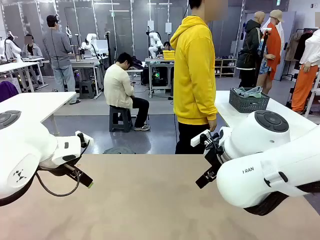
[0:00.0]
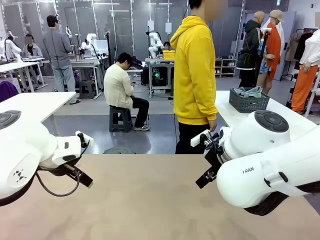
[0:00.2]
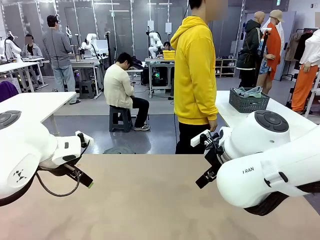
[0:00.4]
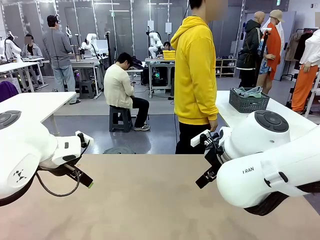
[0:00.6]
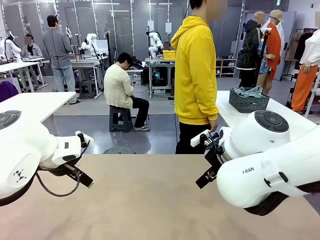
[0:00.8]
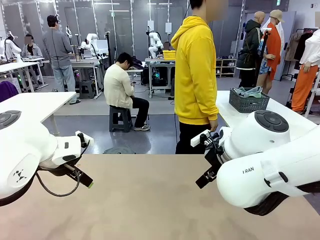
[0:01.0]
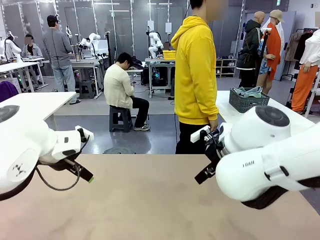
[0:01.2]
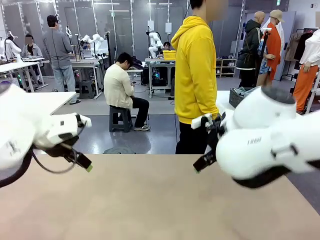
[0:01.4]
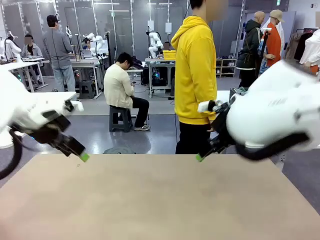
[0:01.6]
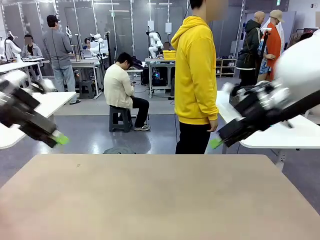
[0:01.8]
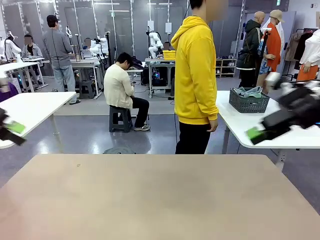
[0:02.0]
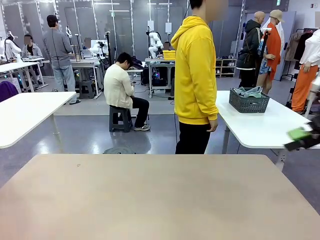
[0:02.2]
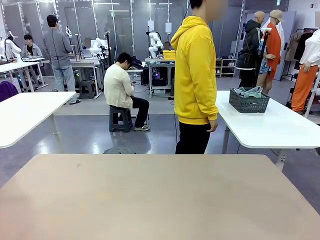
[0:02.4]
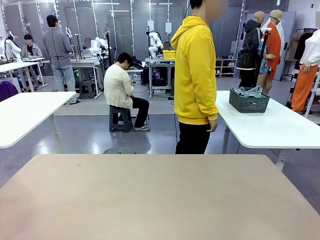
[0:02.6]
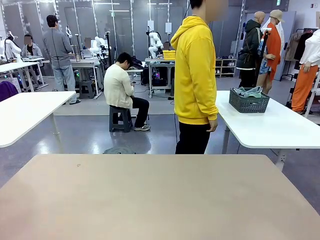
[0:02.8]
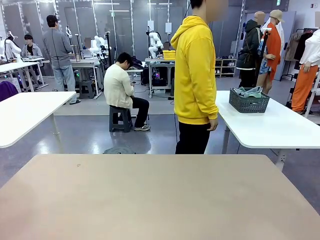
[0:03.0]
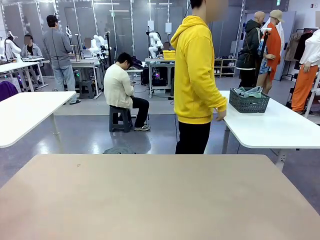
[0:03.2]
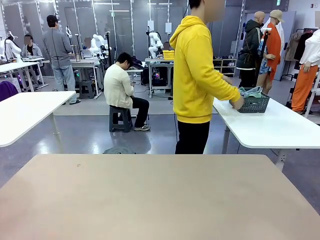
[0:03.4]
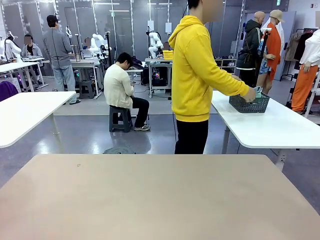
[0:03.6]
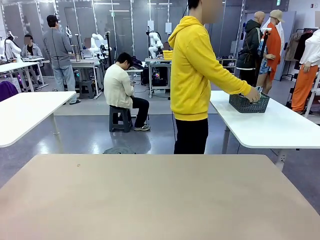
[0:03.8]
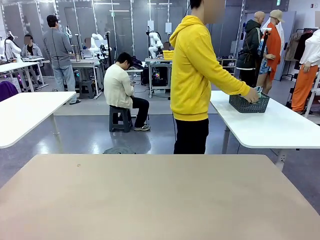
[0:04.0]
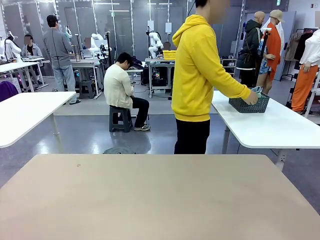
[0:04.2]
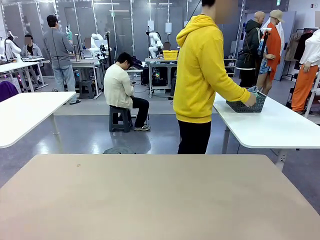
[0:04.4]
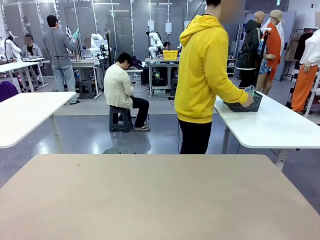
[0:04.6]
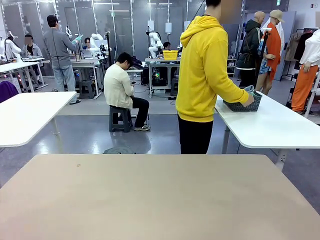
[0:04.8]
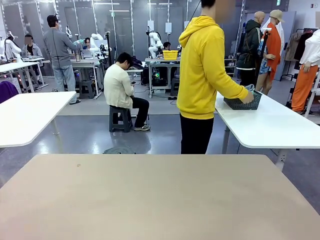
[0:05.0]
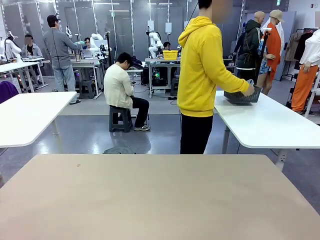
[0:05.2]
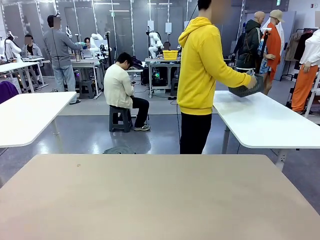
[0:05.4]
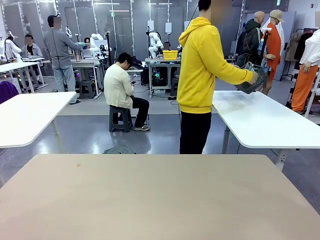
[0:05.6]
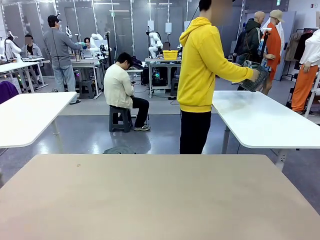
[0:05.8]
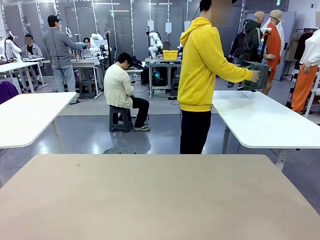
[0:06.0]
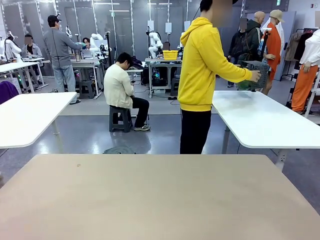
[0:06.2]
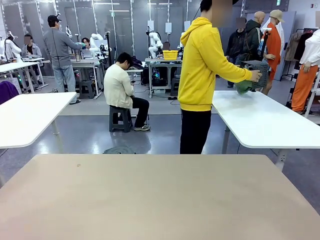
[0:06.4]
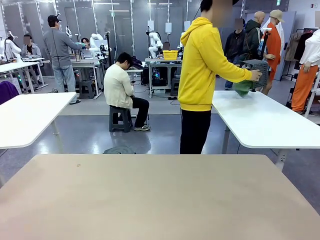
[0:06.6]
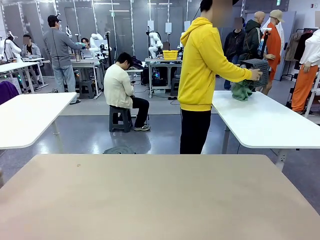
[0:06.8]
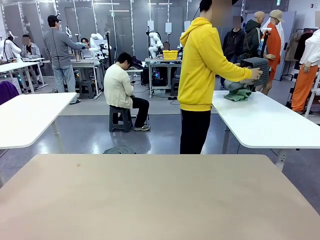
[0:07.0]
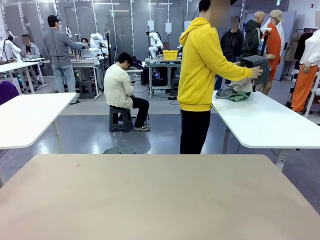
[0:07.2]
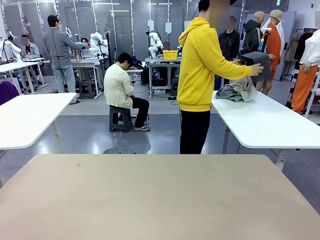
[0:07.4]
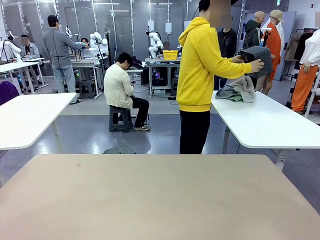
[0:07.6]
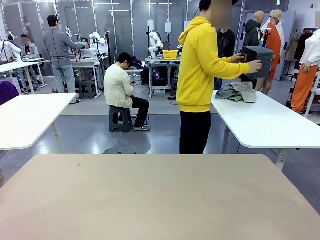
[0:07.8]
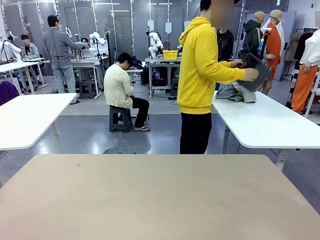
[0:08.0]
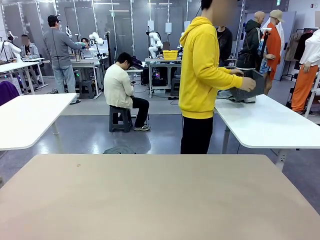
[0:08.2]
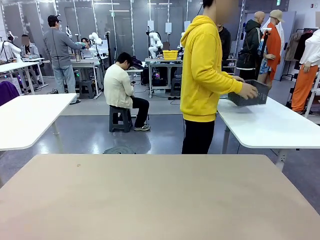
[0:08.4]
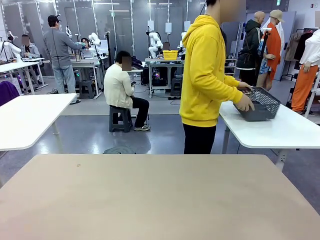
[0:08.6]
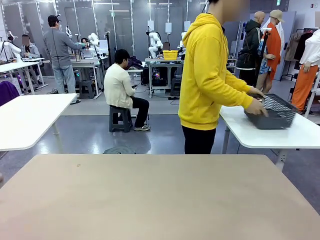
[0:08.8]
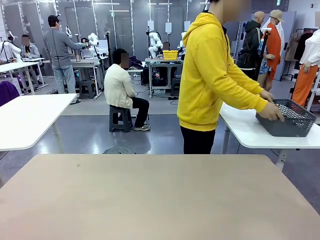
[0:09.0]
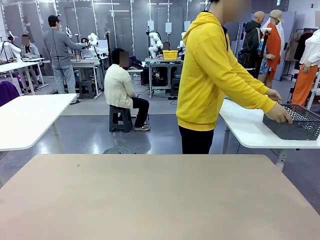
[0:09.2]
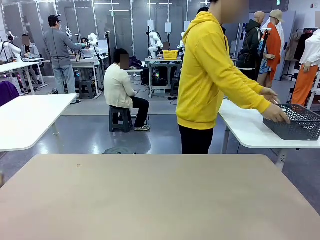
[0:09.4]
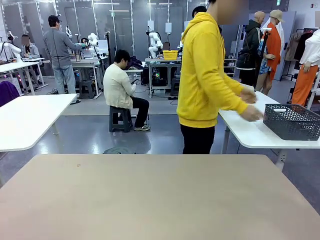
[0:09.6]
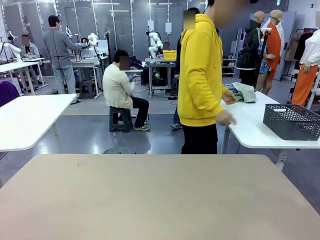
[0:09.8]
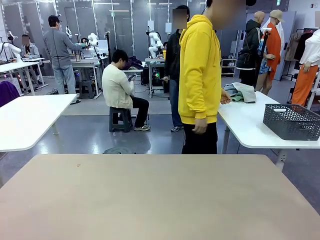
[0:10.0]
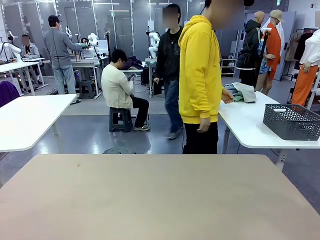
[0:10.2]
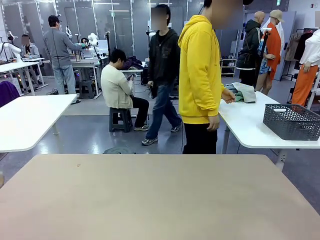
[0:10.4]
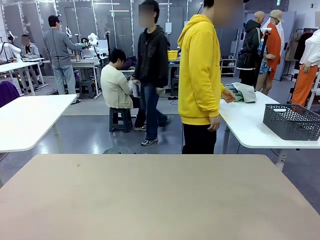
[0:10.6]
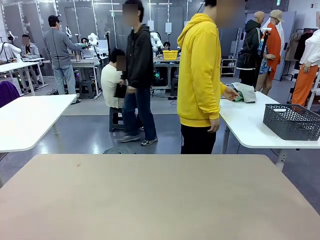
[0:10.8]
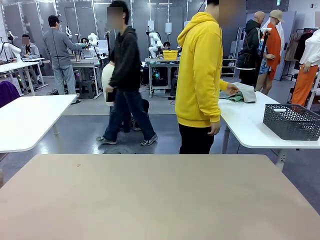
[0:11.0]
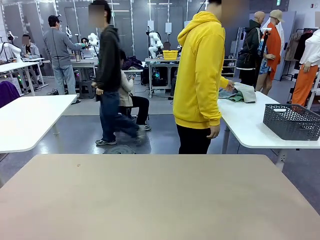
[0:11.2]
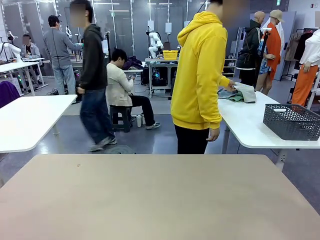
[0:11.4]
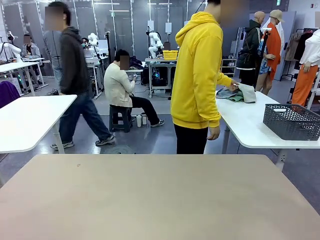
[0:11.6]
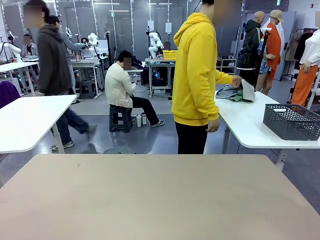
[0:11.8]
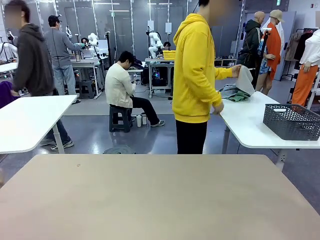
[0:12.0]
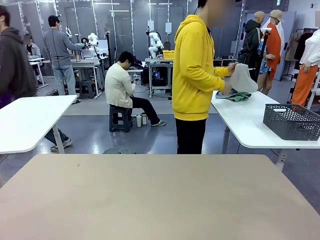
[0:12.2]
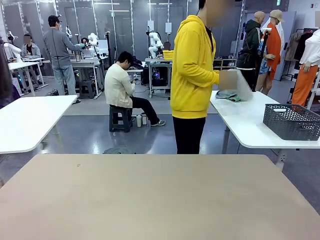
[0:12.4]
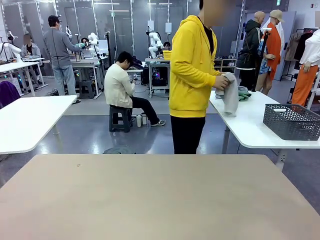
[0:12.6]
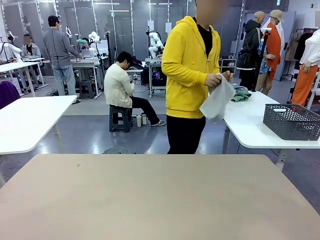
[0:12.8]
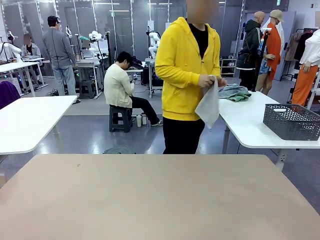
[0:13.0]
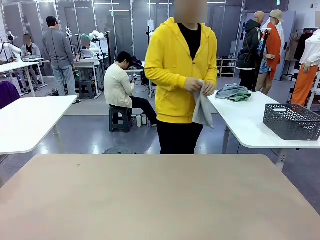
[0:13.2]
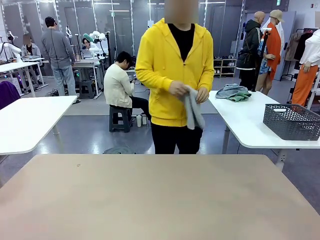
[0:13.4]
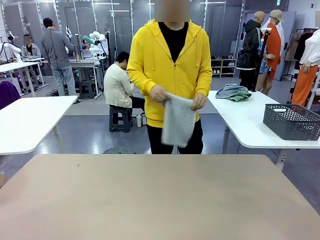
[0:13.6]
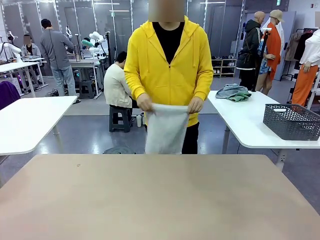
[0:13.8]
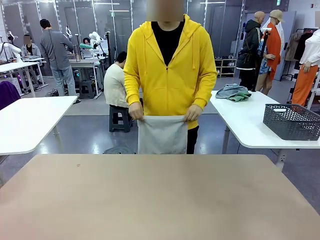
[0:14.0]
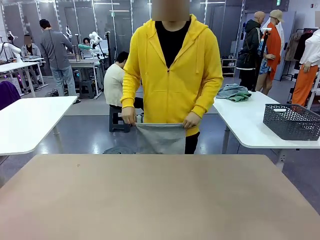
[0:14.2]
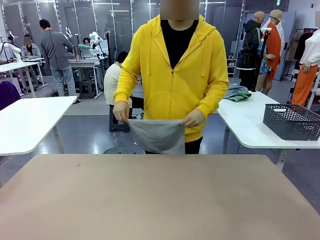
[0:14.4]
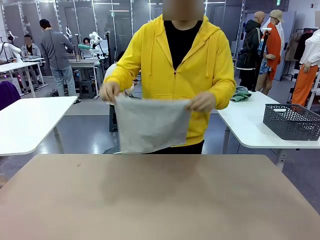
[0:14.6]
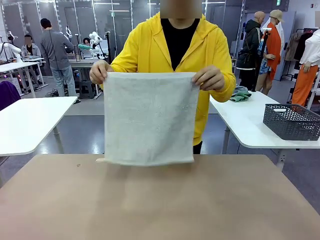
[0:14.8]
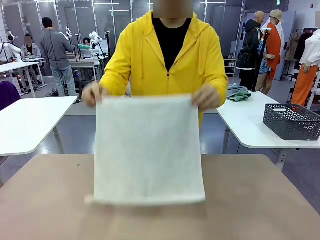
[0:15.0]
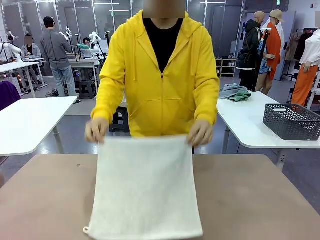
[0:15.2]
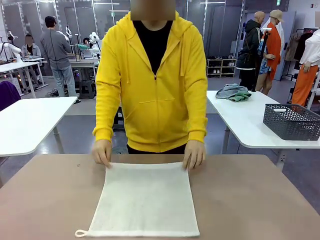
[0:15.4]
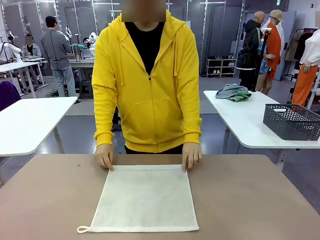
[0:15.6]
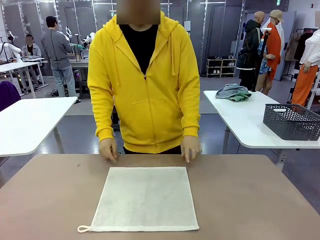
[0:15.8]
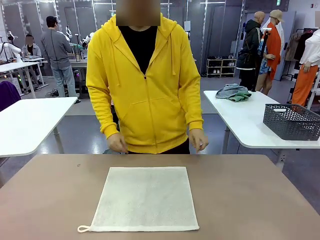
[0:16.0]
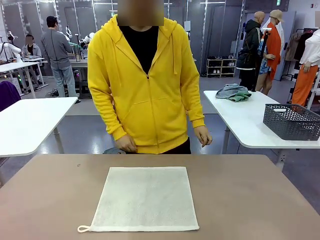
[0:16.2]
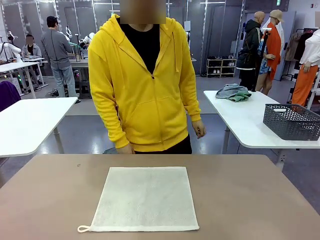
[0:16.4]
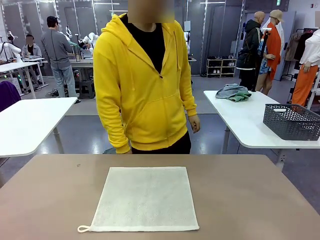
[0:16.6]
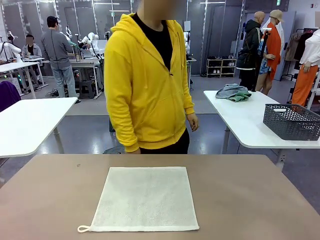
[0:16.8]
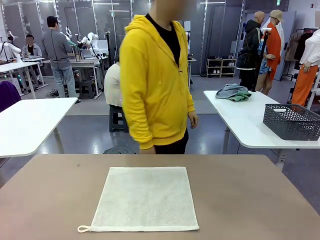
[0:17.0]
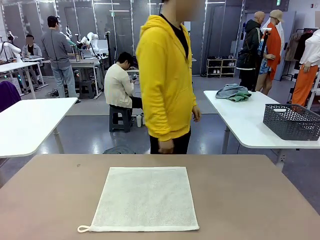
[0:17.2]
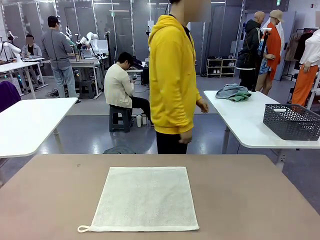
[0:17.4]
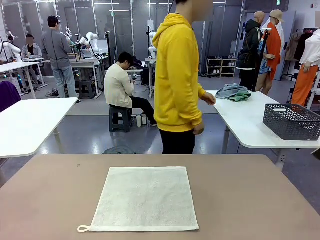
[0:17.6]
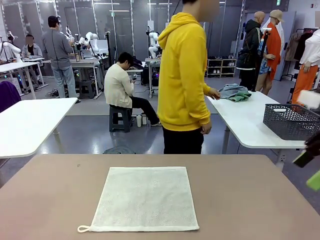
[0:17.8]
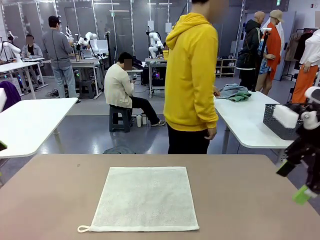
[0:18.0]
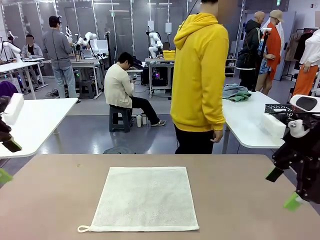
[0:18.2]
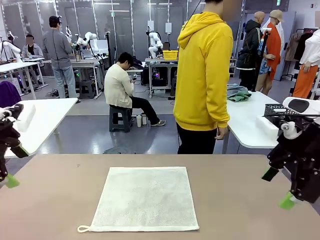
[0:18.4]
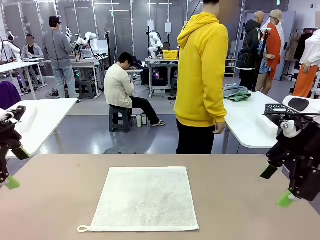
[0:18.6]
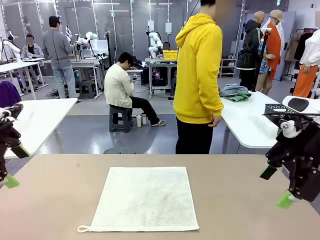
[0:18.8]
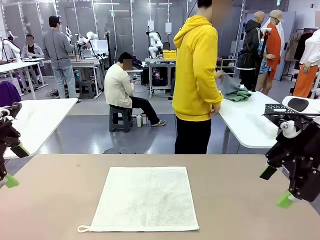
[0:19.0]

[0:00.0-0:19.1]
Task: Fold the towels and place them in the basket.
Robot: When a person lays out a Towel with hook on the table, fold it in half twice.
Person: Pick up the basket, pour the towels onto the left side of the human table, and place the basket on the right side. Pick up one towel and spread it out at the center of the robot table.
